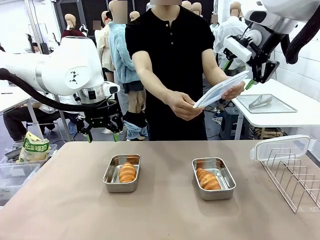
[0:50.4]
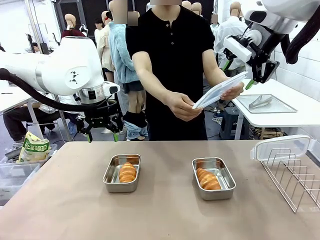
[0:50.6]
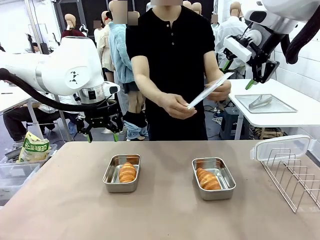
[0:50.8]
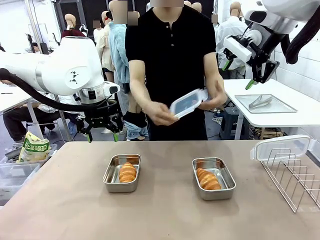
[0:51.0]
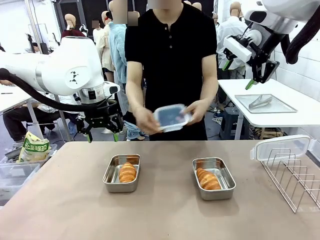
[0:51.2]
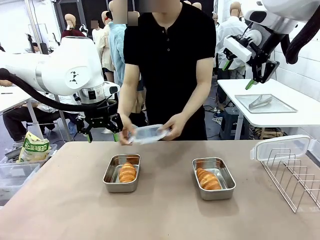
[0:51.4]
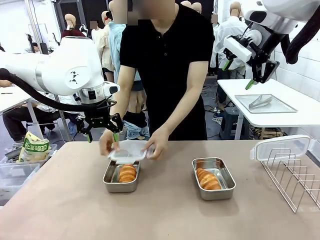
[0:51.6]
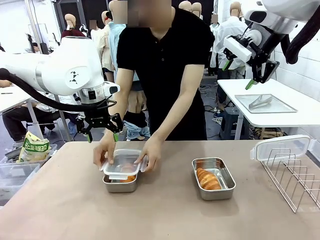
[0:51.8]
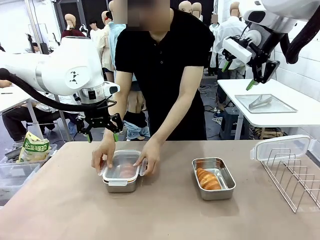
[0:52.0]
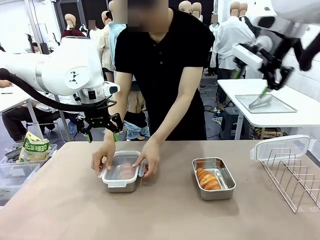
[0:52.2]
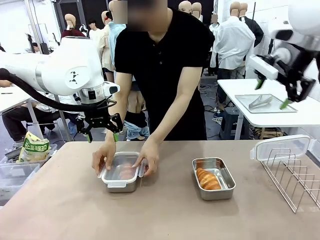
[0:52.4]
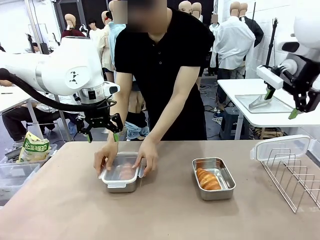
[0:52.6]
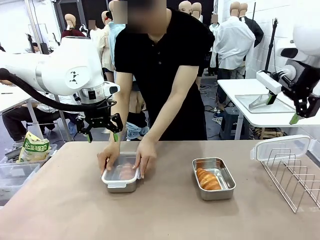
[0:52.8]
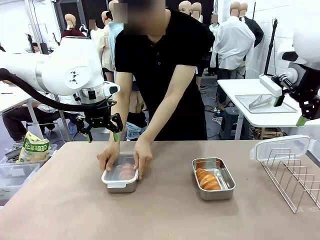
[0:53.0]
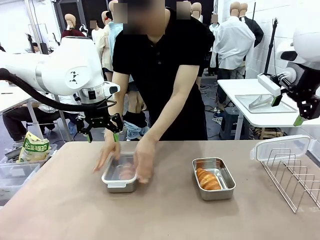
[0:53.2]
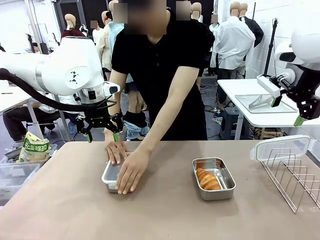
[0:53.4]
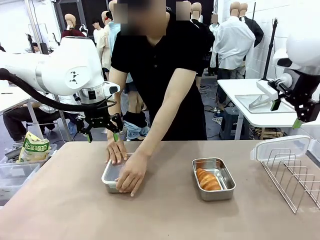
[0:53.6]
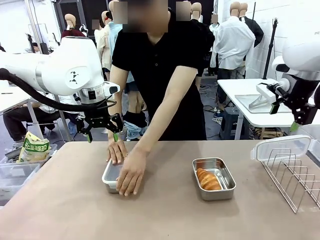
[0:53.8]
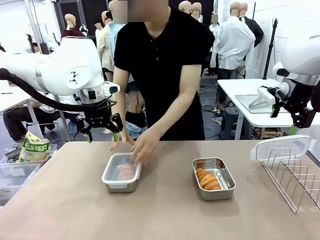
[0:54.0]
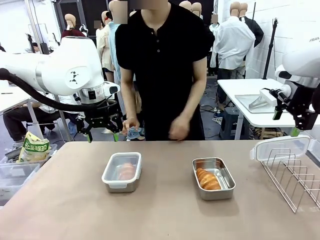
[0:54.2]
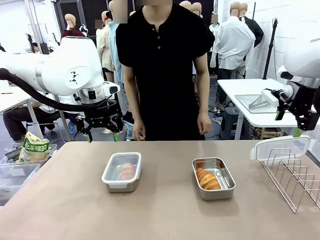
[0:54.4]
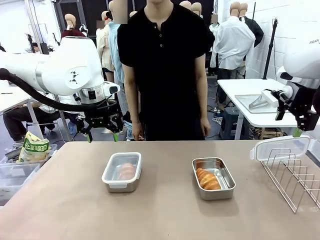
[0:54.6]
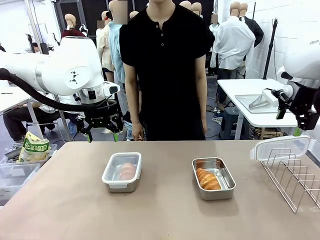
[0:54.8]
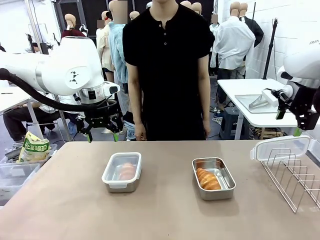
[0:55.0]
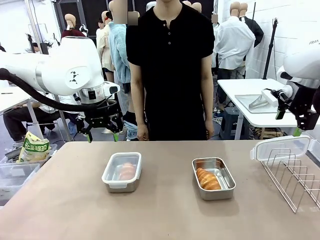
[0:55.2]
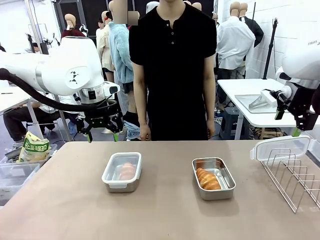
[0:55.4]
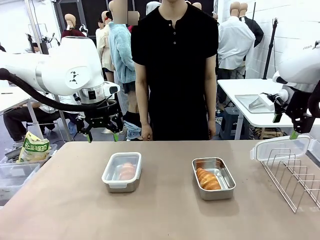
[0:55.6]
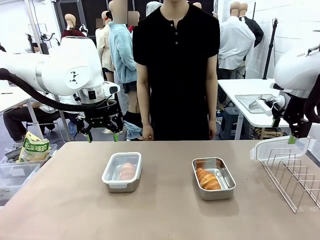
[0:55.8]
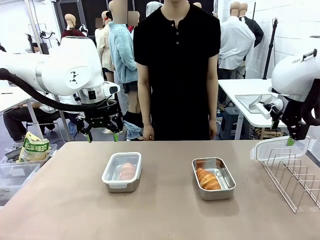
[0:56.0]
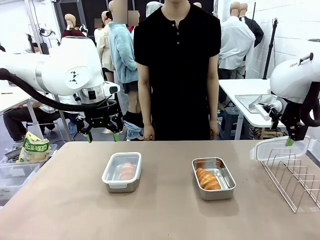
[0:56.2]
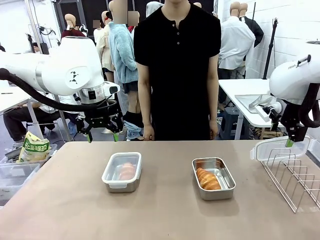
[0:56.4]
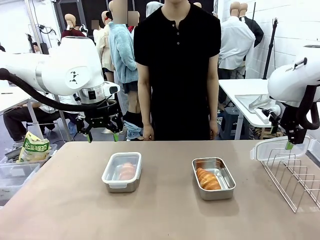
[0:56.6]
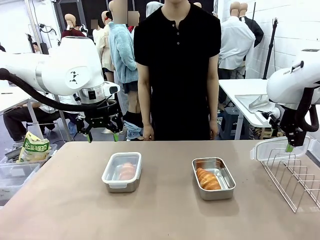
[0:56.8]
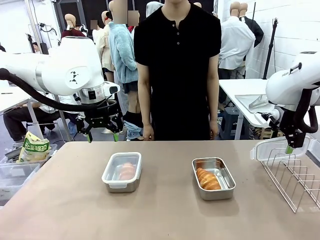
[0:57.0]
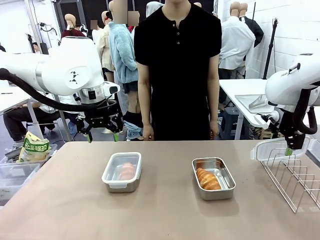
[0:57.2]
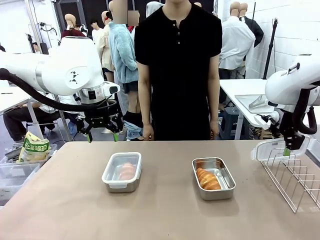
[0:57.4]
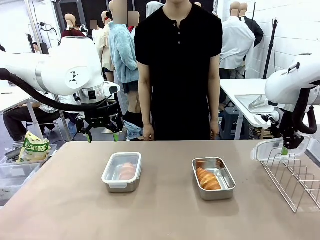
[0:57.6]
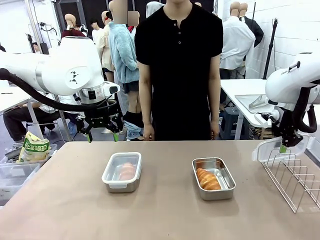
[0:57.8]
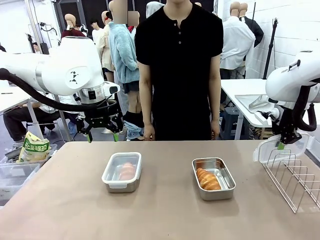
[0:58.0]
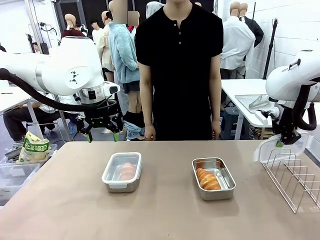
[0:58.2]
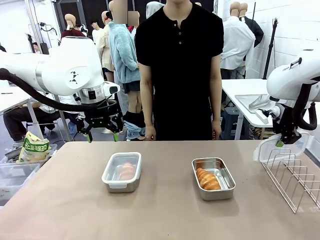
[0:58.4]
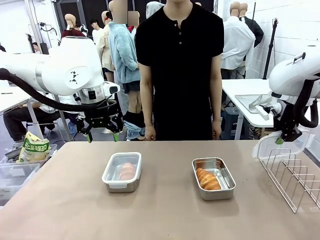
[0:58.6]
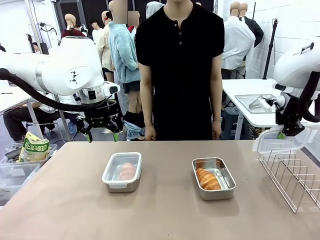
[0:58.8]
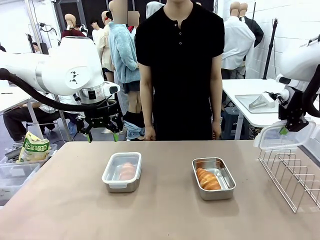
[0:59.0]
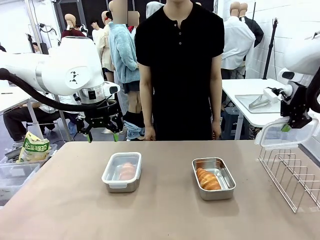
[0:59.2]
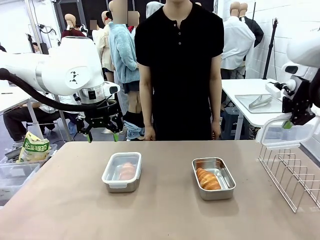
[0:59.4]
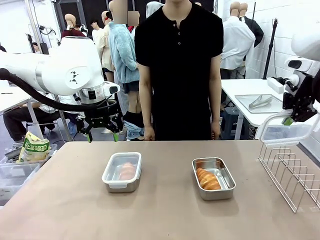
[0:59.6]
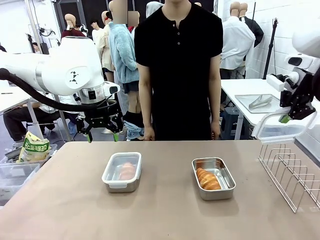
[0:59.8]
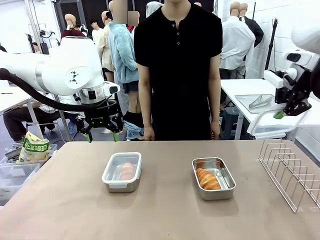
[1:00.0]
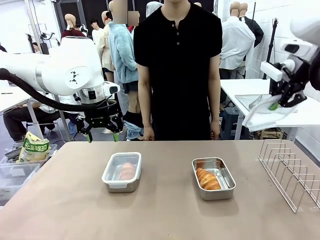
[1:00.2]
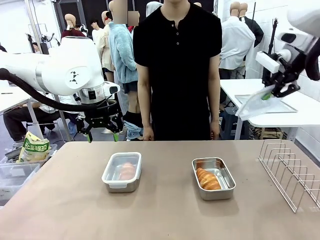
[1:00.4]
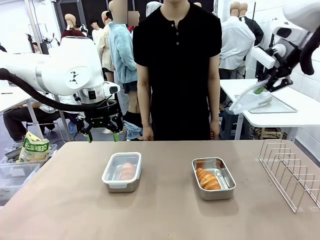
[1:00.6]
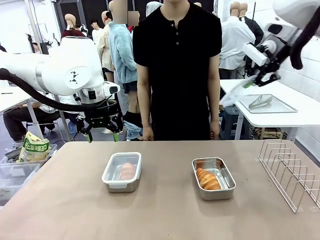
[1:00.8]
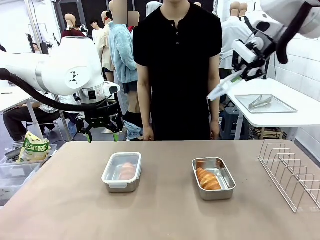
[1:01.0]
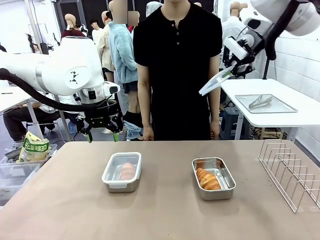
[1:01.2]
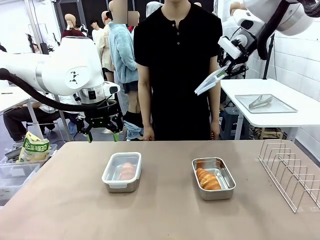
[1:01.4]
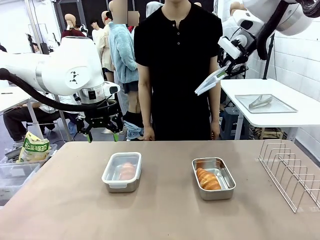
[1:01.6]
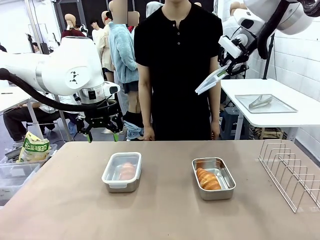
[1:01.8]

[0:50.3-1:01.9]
Task: Place the bread in airtight containers.
Robot: Pick up one Airtight Container lid and hand it to the human.
Person: Close Airtight Container with a handed Airtight Container lid. Grip Airtight Container lid that robot is handing.

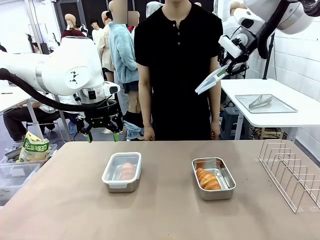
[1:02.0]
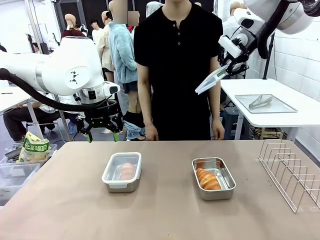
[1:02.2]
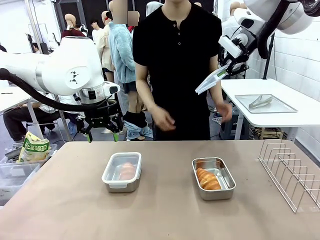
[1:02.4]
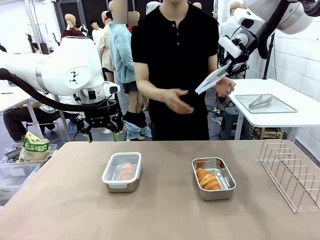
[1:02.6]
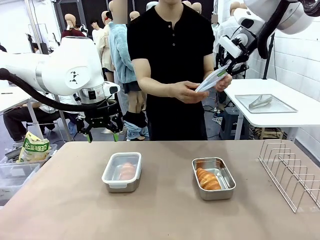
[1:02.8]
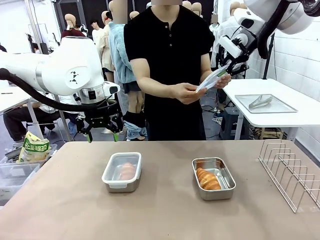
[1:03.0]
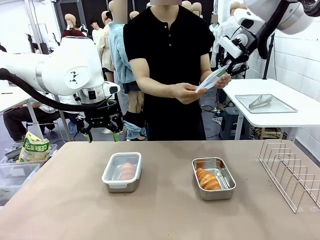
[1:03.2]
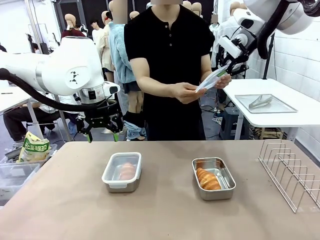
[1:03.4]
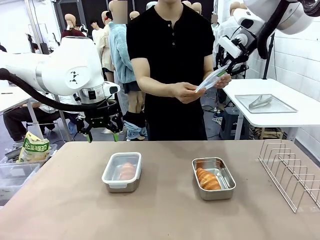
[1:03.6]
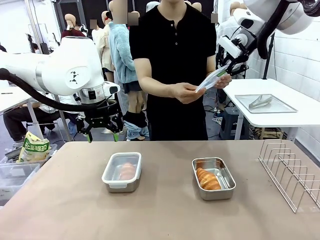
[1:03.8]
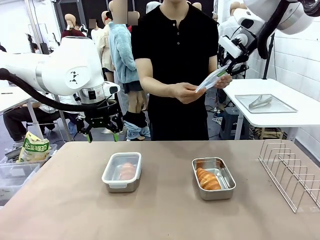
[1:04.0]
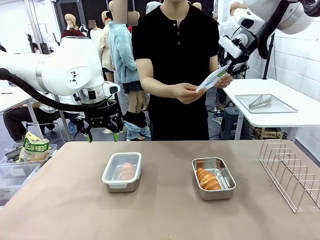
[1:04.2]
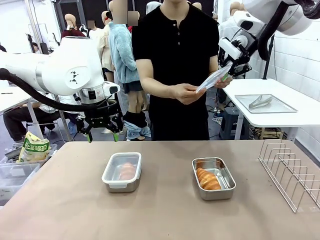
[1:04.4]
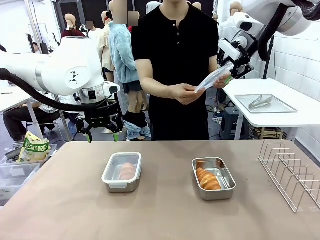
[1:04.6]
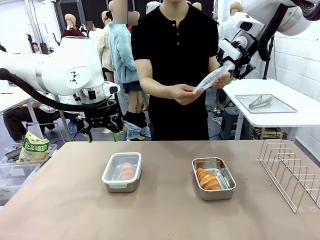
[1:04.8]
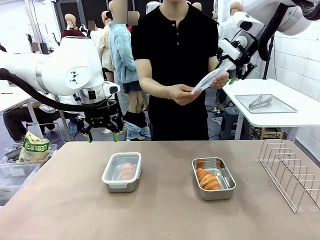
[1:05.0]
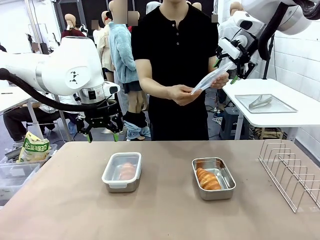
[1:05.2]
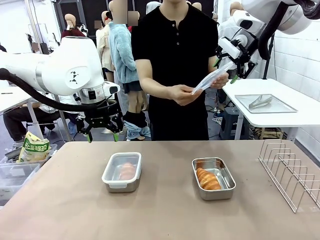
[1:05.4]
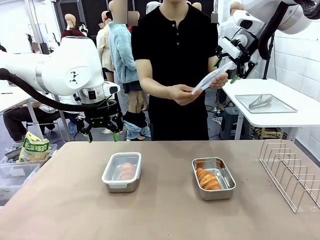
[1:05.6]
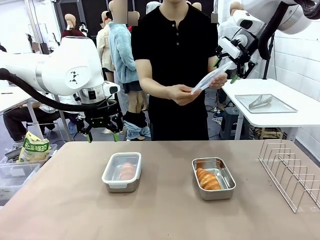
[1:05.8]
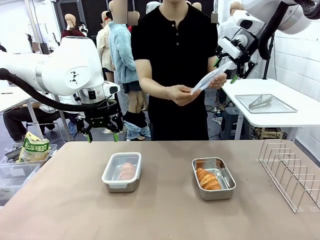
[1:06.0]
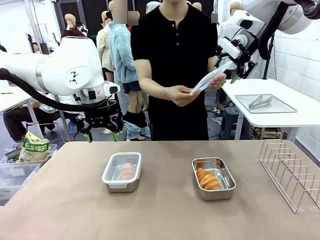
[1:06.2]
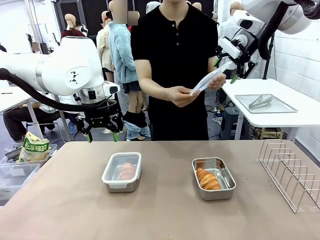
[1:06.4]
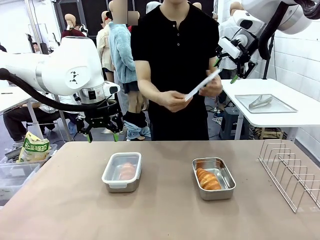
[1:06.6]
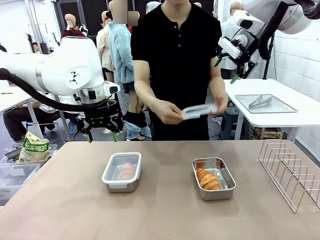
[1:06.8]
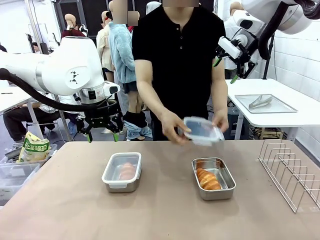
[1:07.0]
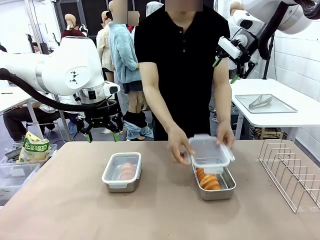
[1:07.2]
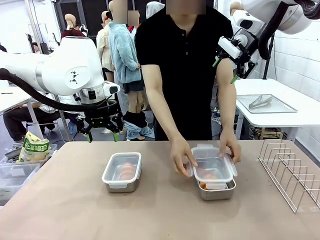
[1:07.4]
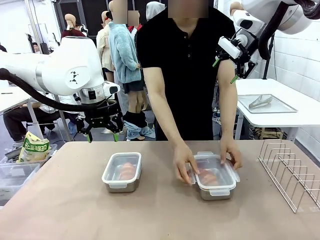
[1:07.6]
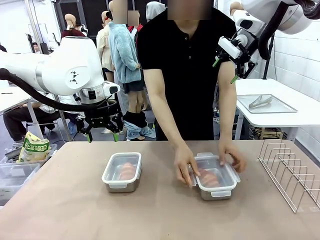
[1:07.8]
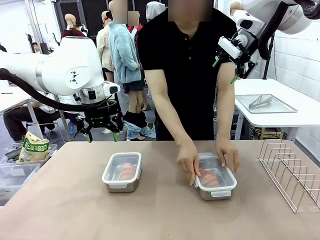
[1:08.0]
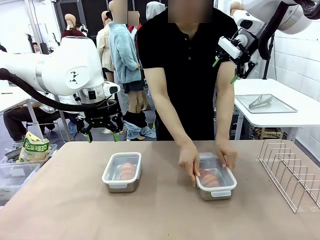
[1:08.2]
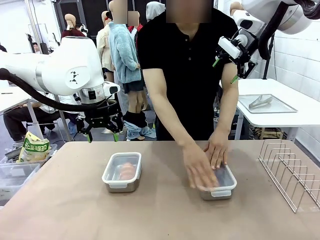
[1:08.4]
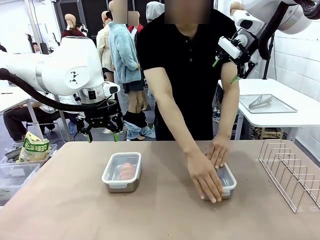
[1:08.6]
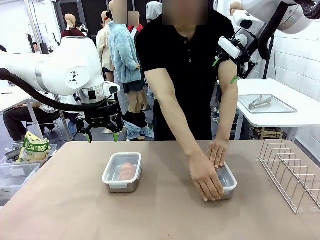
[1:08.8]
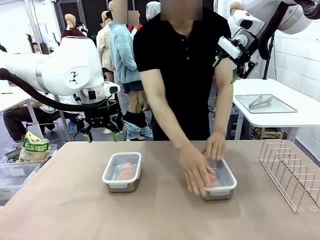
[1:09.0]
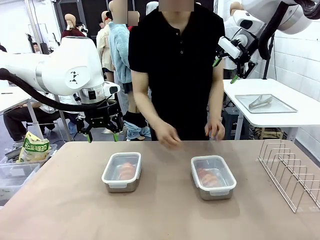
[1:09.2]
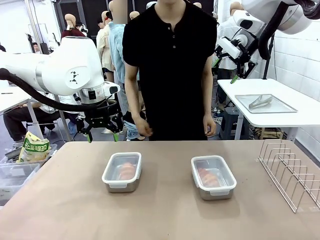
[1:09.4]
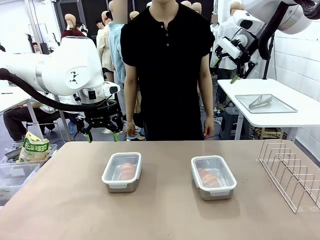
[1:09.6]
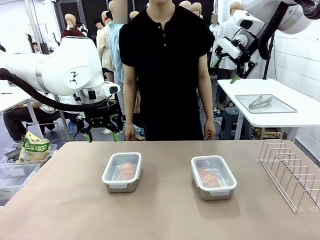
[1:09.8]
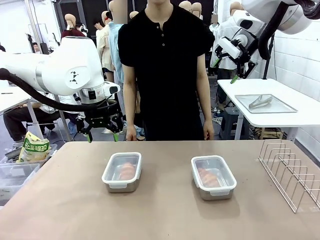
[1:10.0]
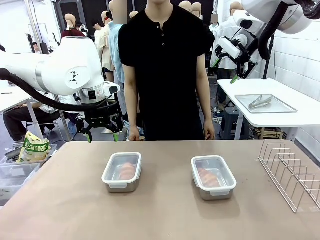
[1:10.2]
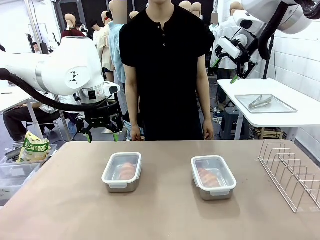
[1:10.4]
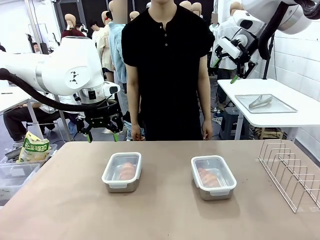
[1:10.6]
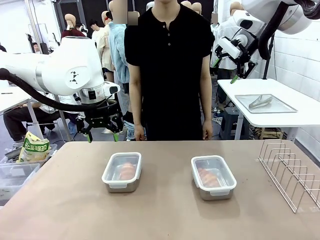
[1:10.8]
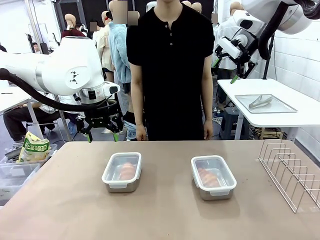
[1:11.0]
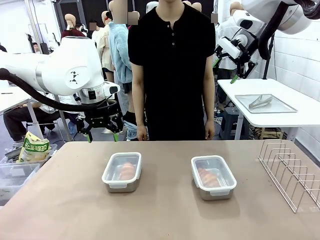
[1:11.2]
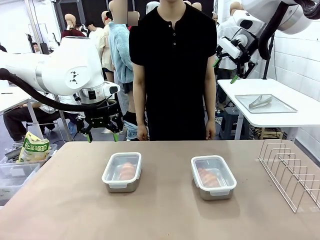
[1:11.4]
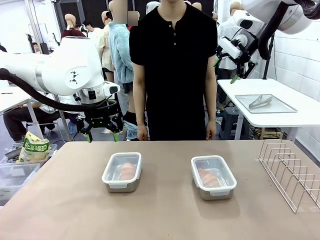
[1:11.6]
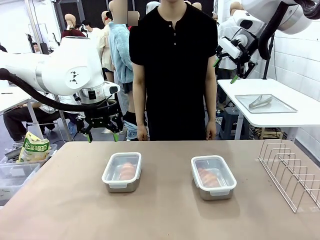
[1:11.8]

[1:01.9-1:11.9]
Robot: Release when the human grabs the Airtight Container lid.
Person: Close Airtight Container with a handed Airtight Container lid.
